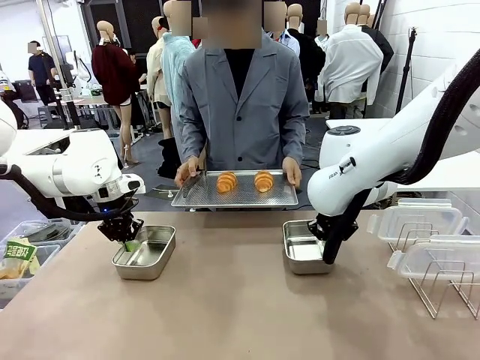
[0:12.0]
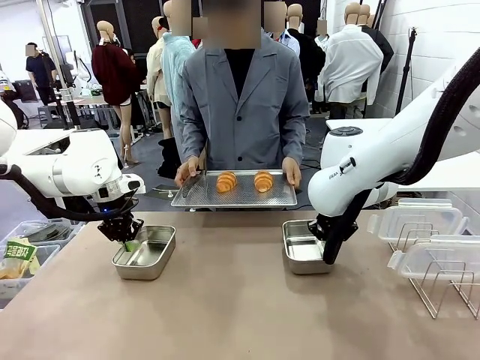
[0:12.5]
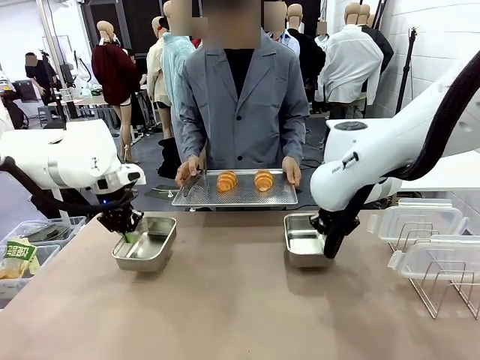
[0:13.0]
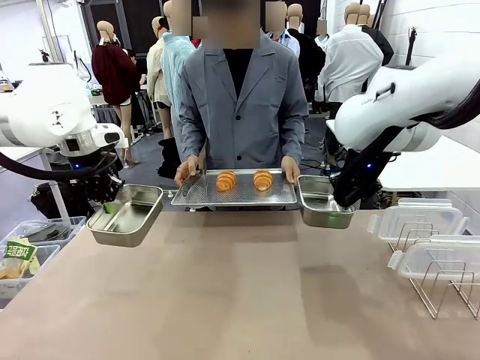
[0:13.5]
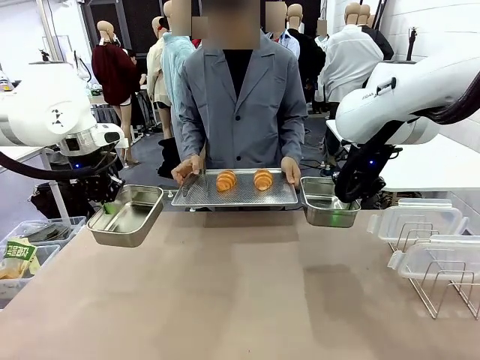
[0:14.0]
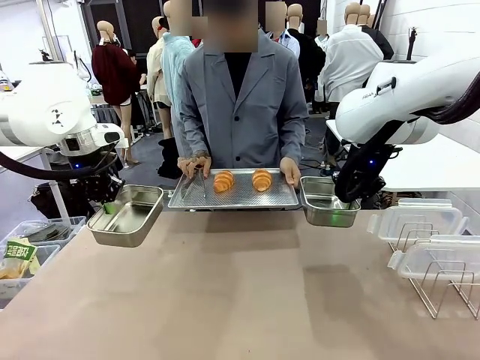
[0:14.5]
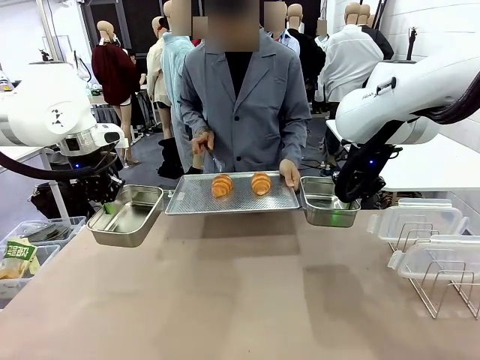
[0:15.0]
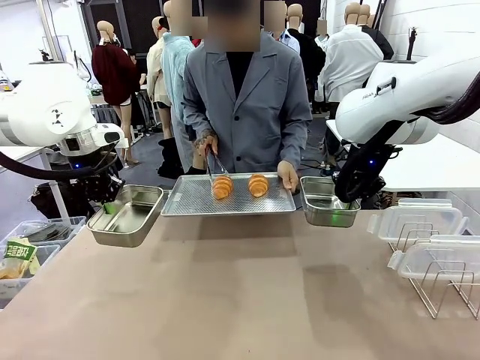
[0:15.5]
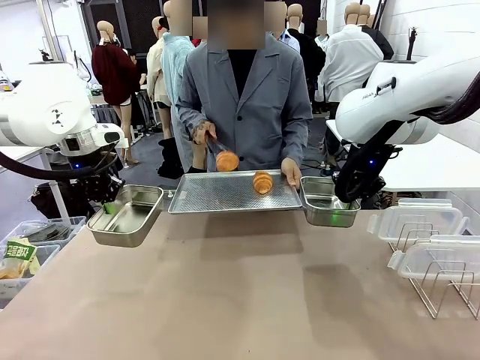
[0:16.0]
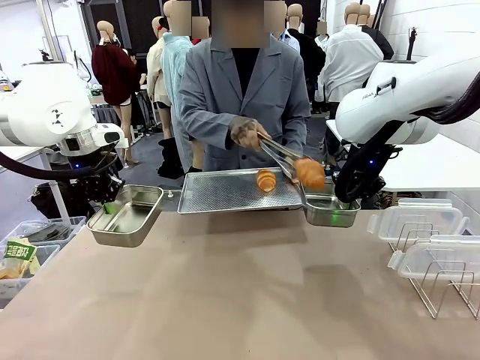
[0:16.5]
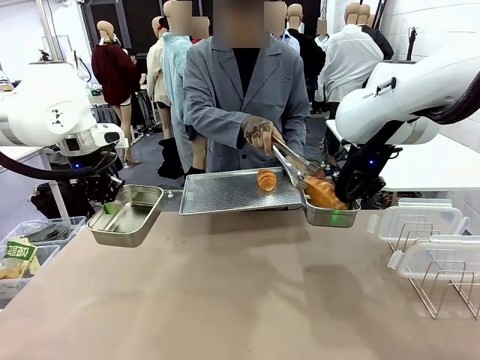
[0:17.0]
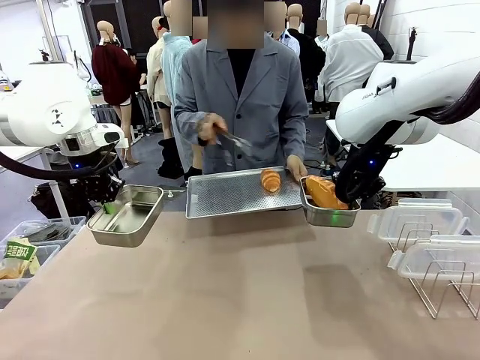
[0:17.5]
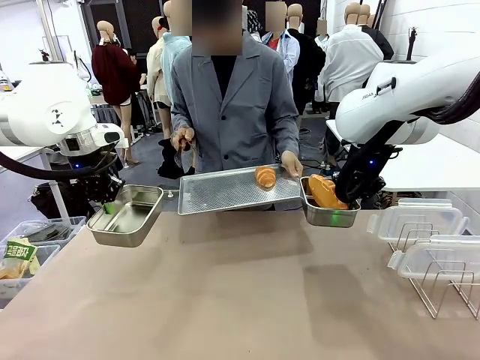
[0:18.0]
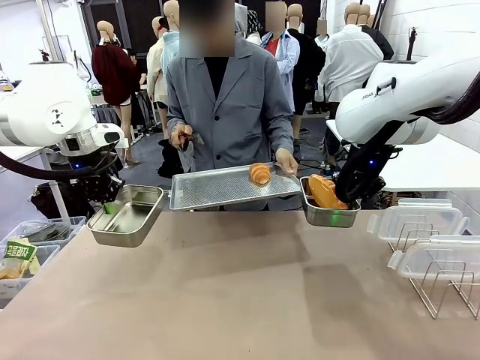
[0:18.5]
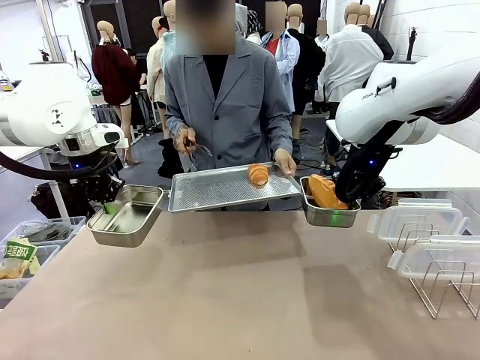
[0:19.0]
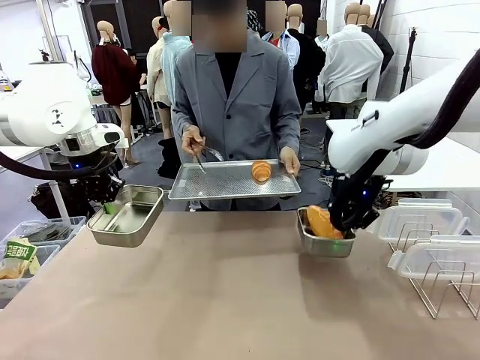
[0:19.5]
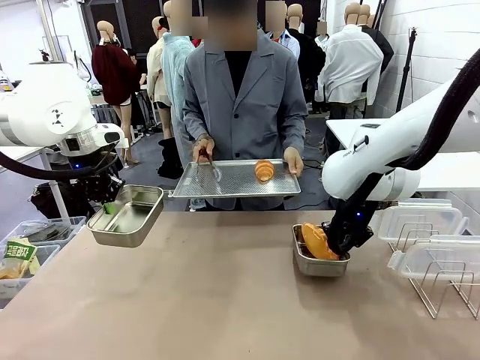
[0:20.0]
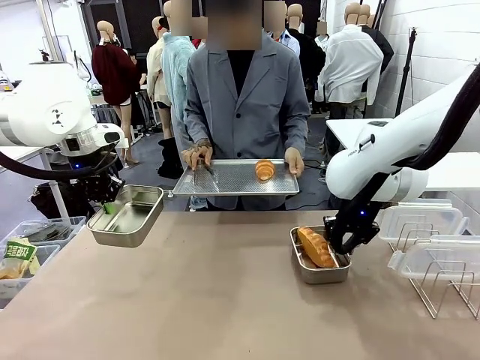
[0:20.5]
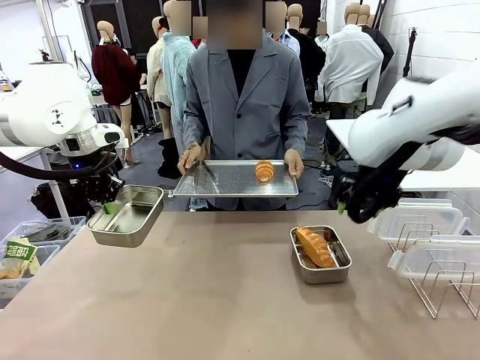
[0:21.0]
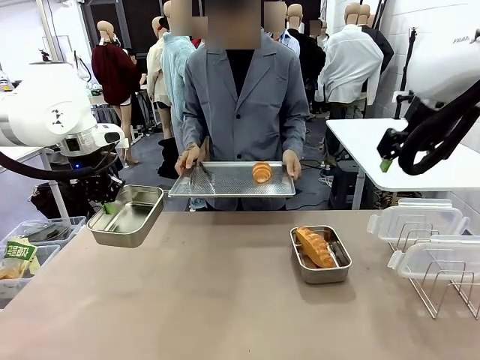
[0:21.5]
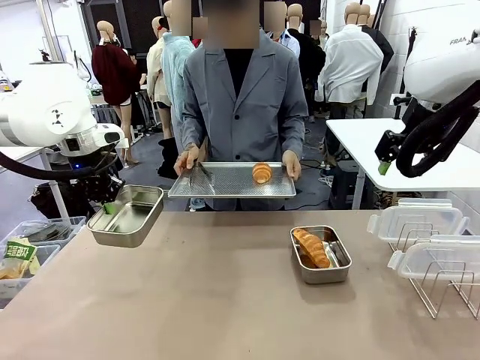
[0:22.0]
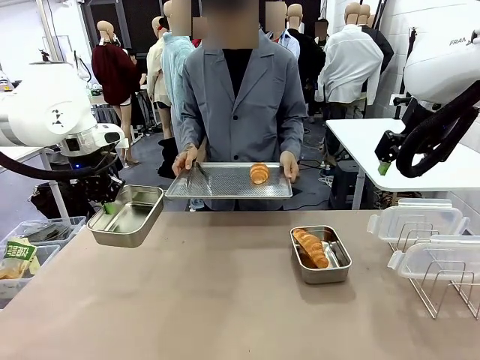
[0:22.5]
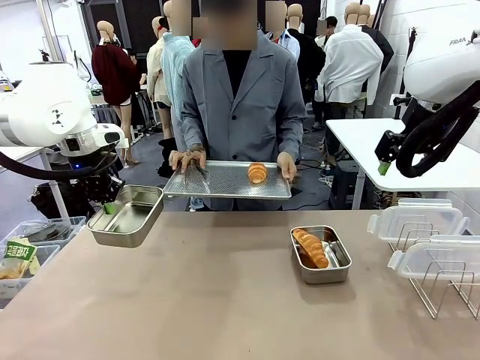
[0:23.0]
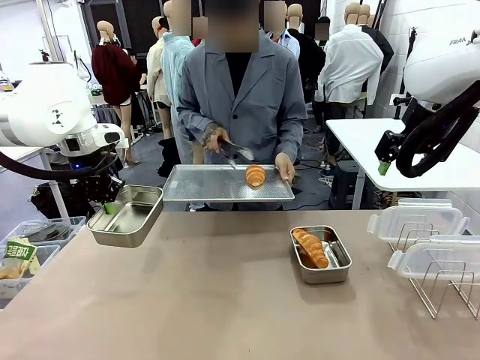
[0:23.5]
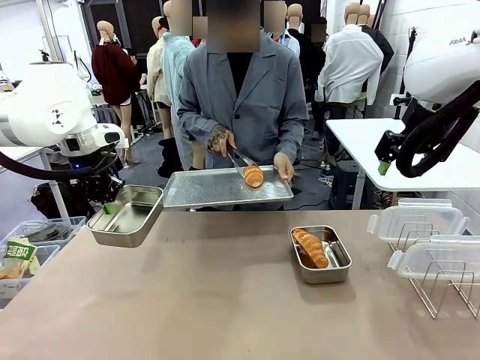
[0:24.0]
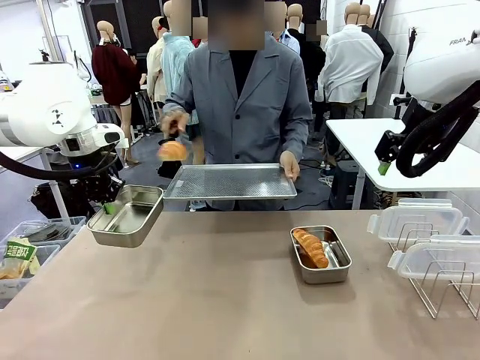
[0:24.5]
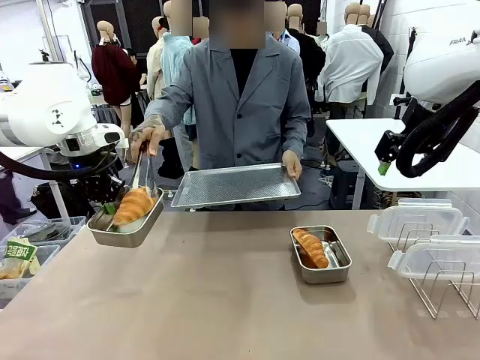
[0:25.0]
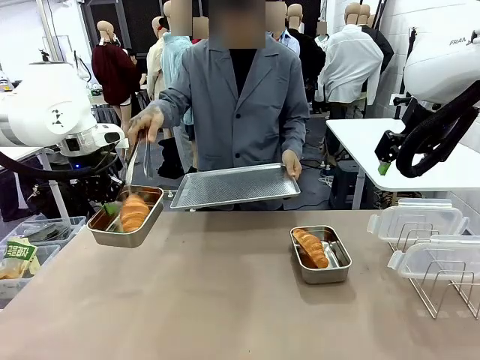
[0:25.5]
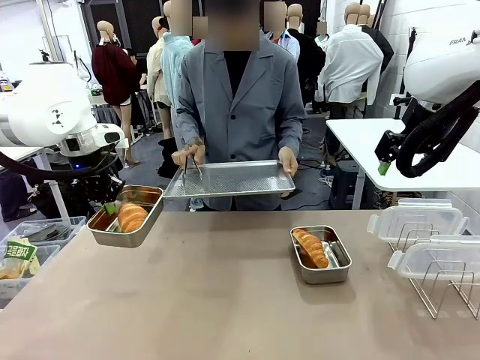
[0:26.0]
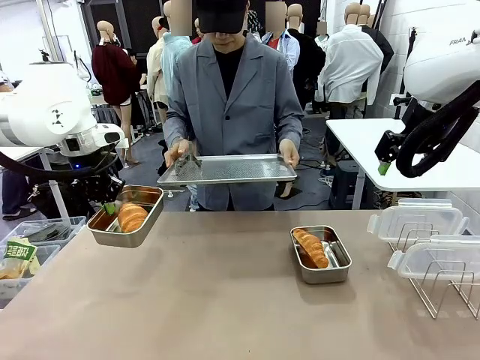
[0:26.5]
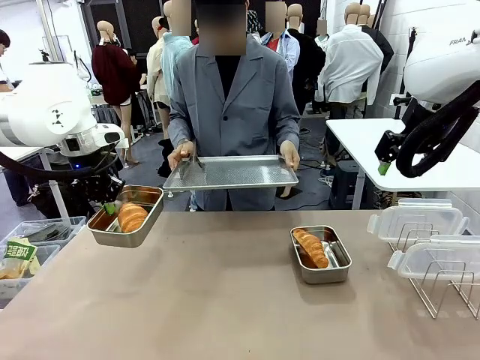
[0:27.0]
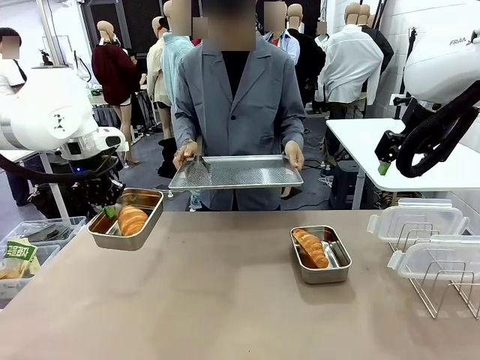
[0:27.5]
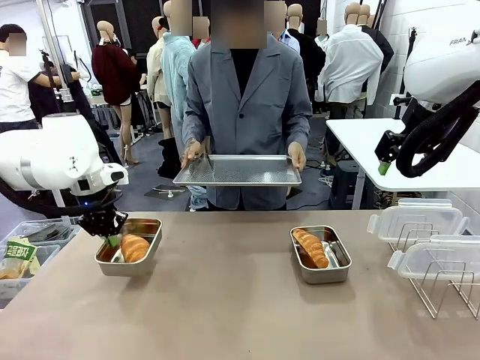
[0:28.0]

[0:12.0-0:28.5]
Task: Place the bread in airtight containers.
Robot: Once an object is inside an Airtight Container , place the container in the center of the table.
Person: Use the Stainless steel tongs to place one object from Baking Sheet into one Airtight Container.

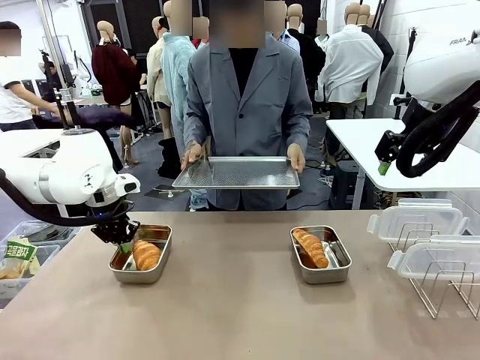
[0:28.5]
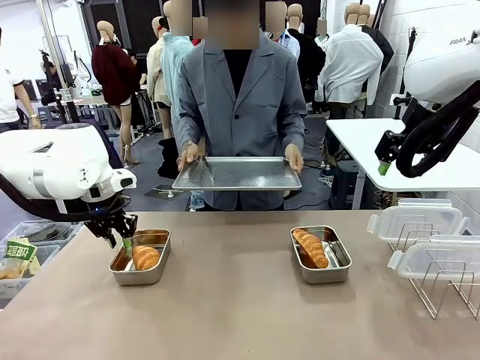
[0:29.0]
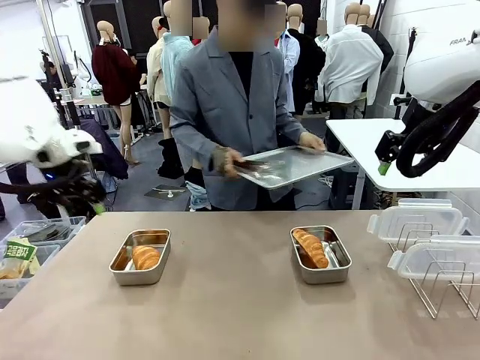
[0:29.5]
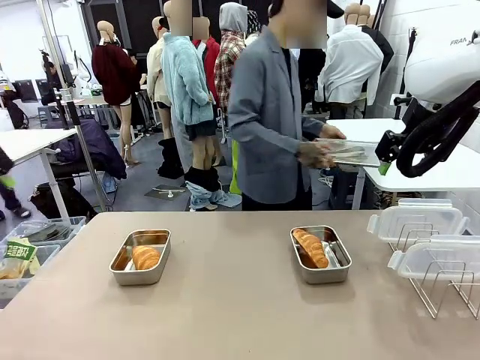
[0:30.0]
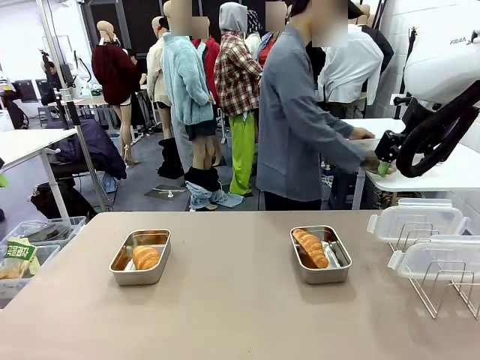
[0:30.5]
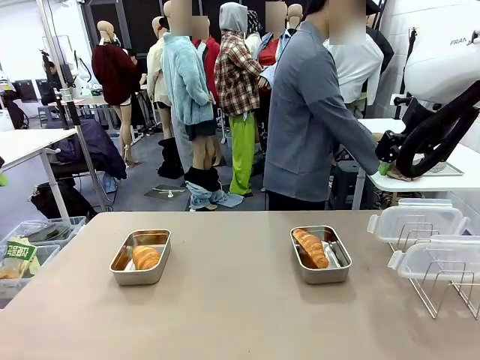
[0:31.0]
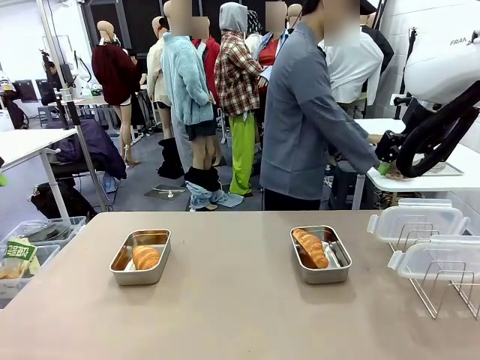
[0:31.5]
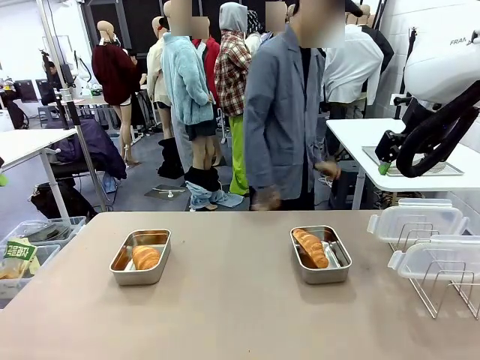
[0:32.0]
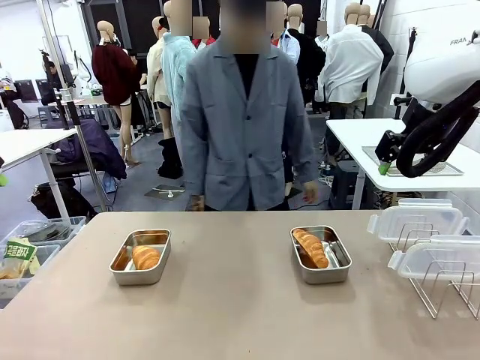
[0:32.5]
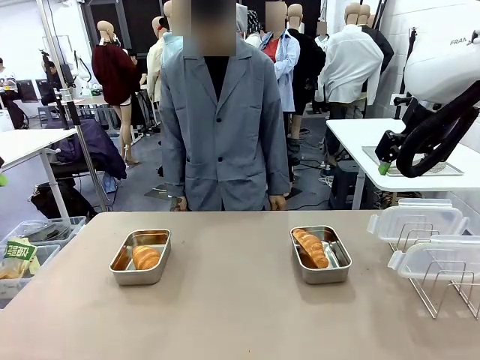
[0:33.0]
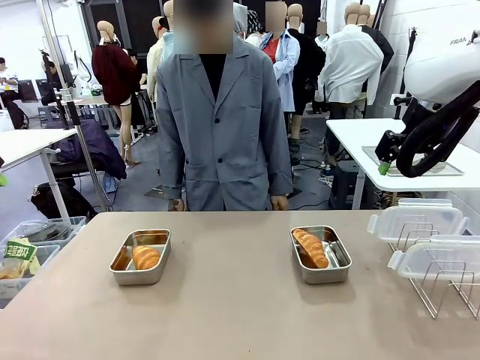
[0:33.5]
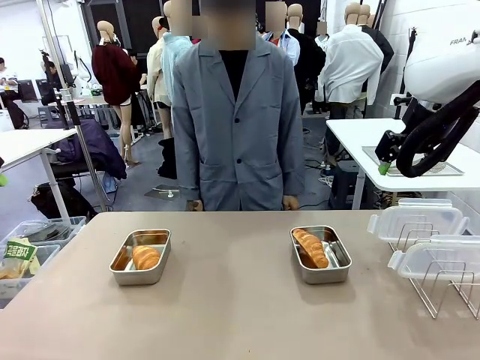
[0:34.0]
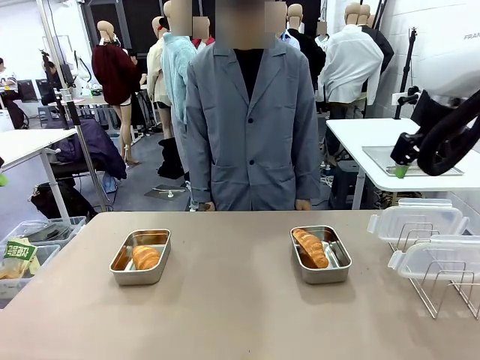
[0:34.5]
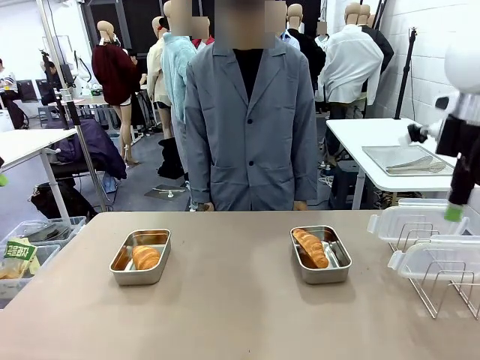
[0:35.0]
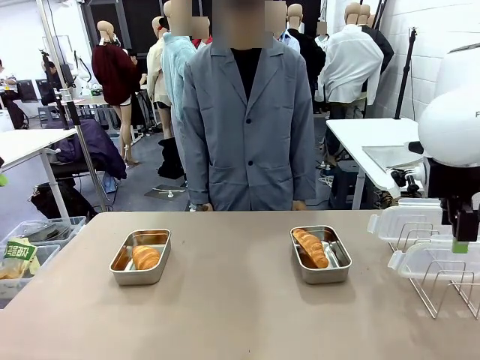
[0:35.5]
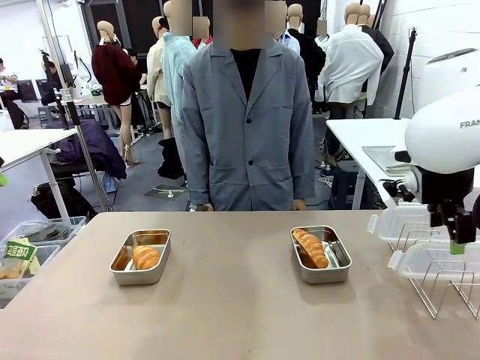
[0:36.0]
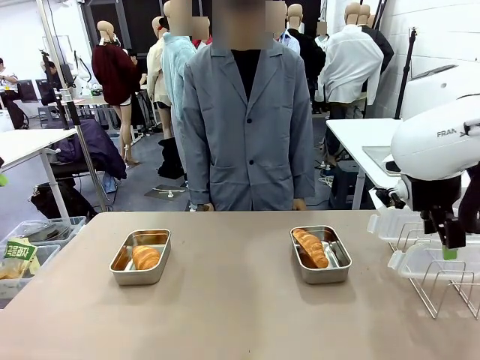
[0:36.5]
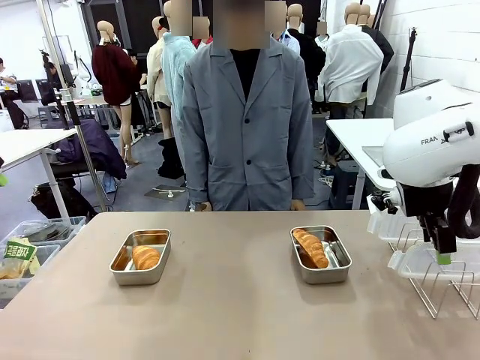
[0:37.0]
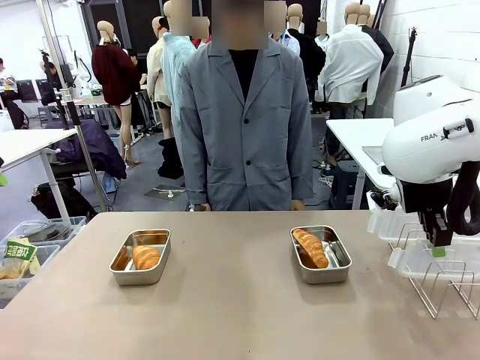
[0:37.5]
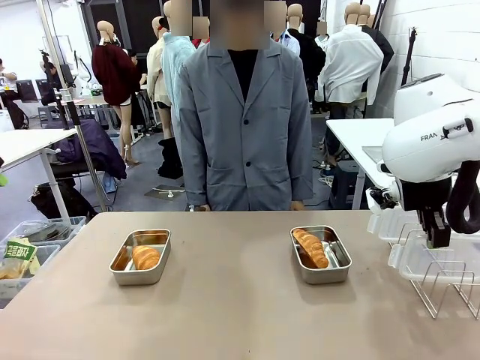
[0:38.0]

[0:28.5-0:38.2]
Robot: Pick up one Airtight Container lid and hand it to the human.
Person: Place Baking Sheet on the Human's Table. Grip Airtight Container lid that robot is handing.

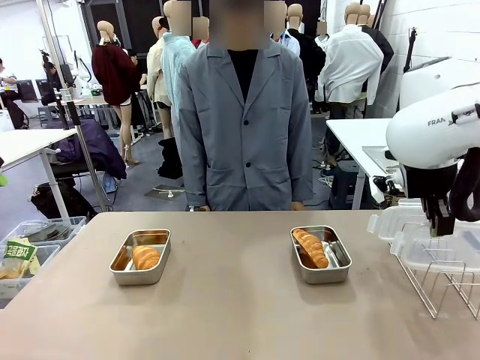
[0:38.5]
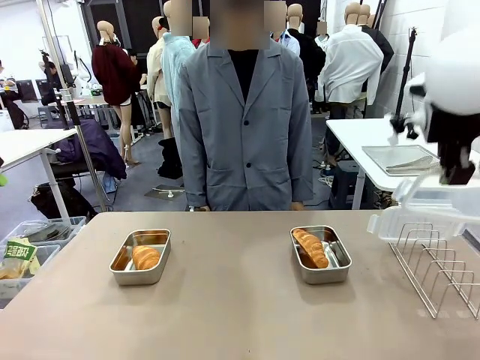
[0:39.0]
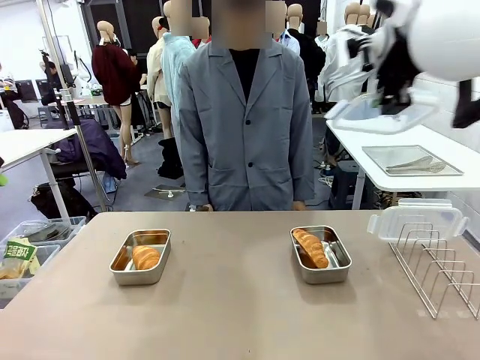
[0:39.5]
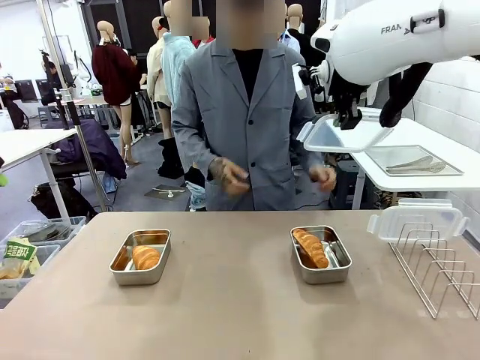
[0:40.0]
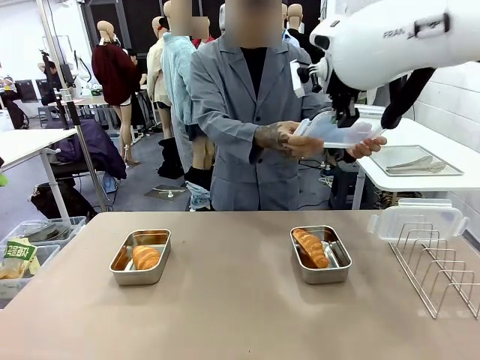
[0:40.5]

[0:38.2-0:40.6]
Robot: Release when the human grabs the Airtight Container lid.
